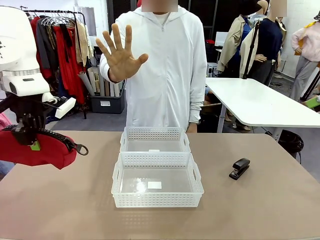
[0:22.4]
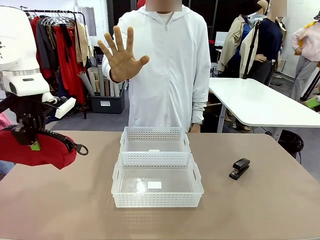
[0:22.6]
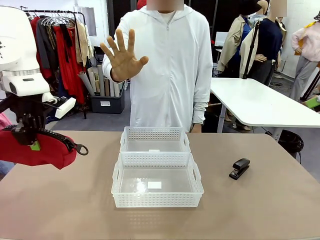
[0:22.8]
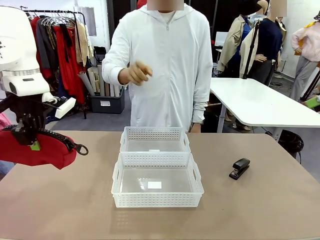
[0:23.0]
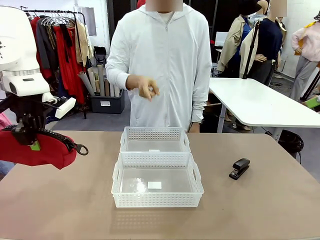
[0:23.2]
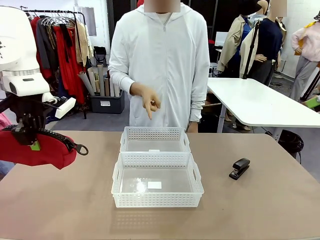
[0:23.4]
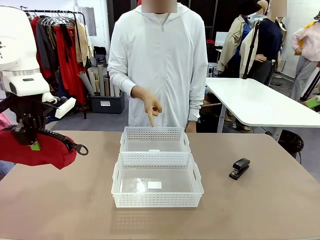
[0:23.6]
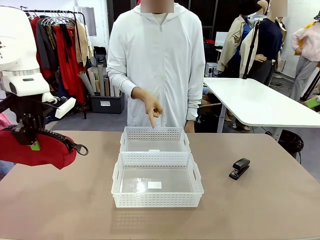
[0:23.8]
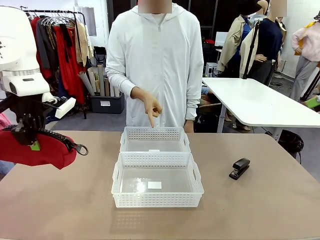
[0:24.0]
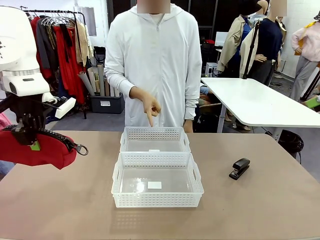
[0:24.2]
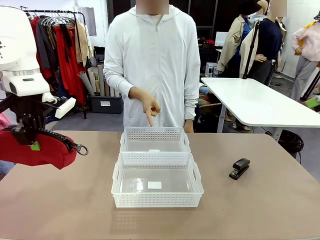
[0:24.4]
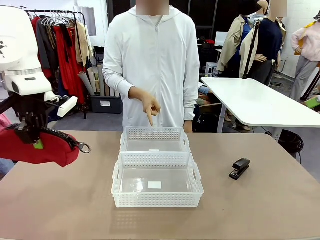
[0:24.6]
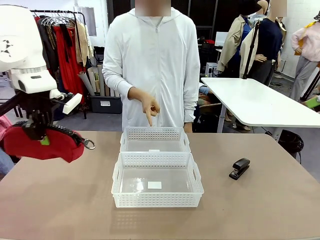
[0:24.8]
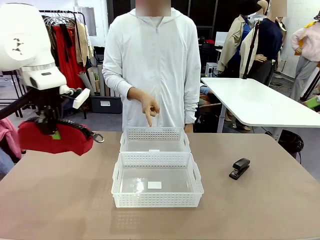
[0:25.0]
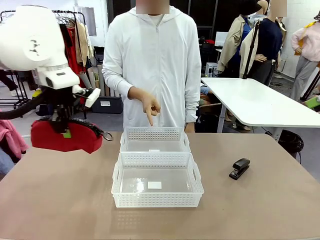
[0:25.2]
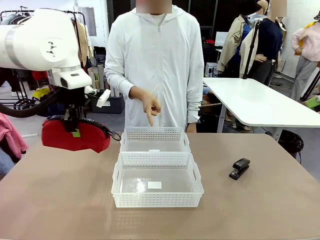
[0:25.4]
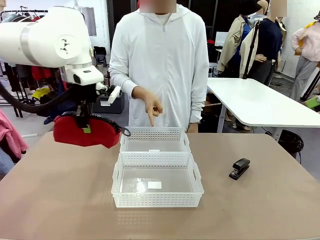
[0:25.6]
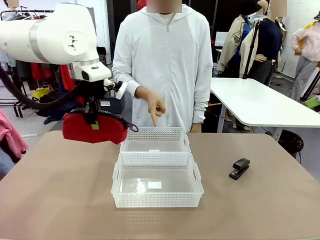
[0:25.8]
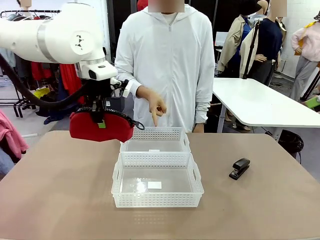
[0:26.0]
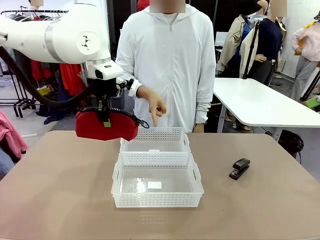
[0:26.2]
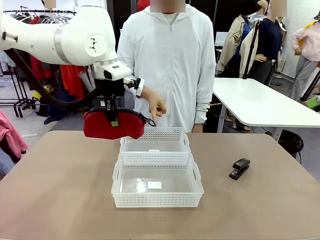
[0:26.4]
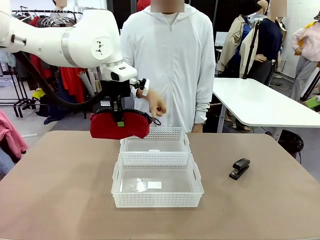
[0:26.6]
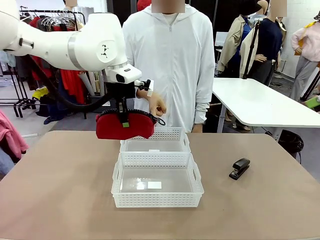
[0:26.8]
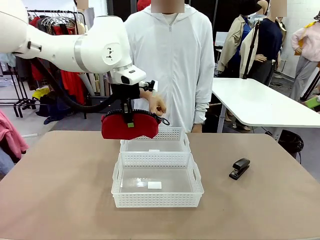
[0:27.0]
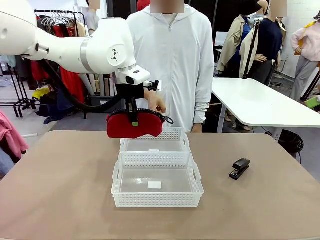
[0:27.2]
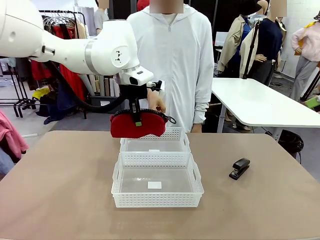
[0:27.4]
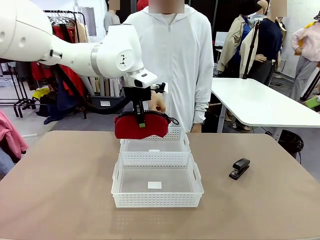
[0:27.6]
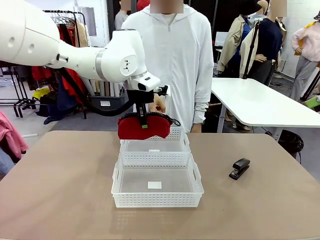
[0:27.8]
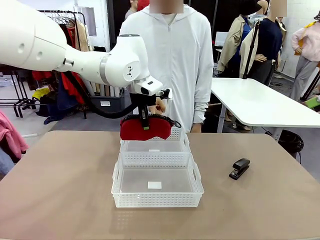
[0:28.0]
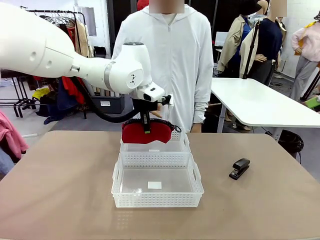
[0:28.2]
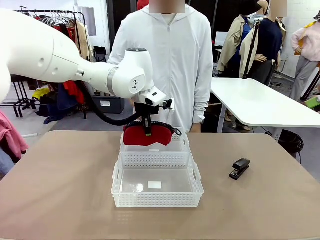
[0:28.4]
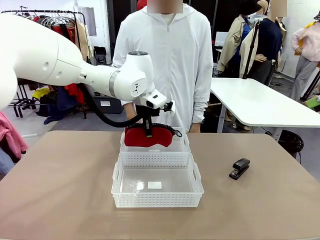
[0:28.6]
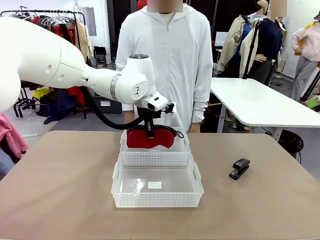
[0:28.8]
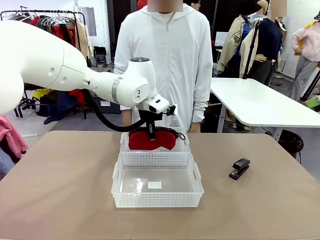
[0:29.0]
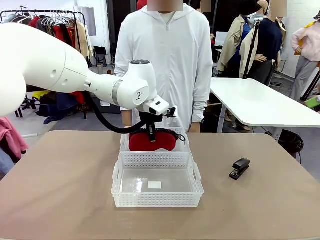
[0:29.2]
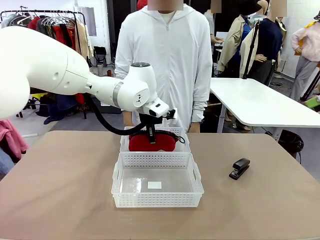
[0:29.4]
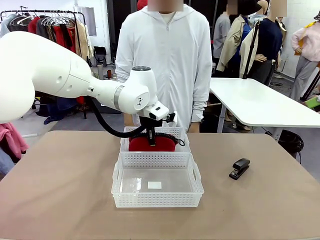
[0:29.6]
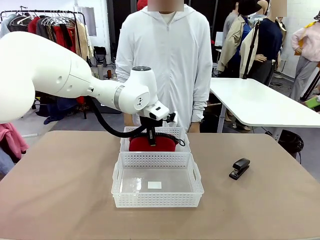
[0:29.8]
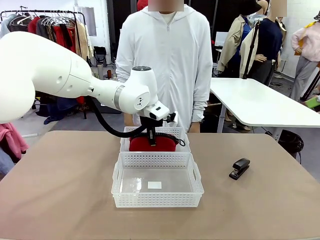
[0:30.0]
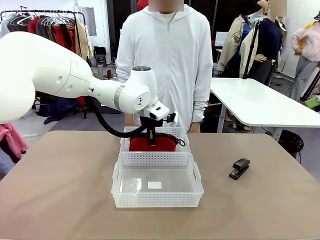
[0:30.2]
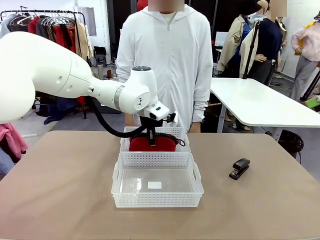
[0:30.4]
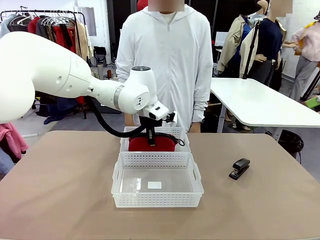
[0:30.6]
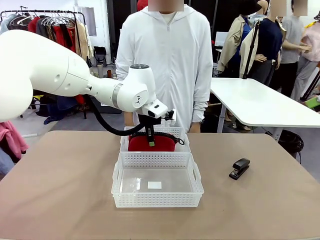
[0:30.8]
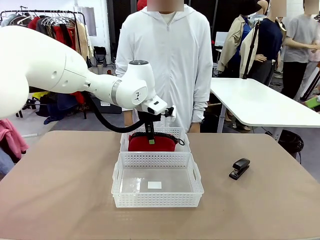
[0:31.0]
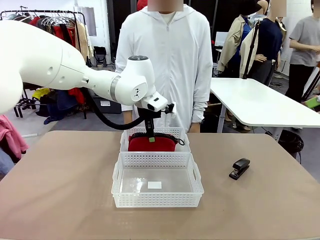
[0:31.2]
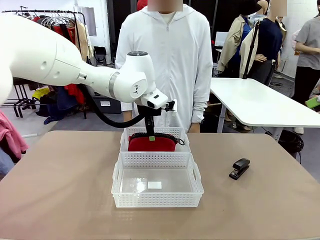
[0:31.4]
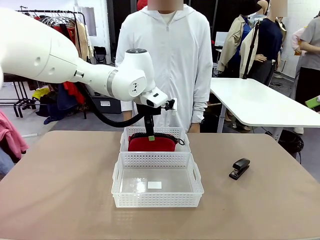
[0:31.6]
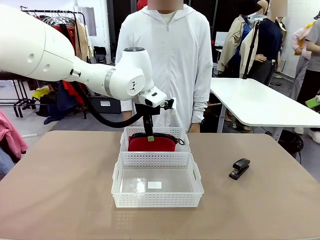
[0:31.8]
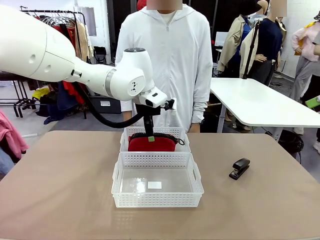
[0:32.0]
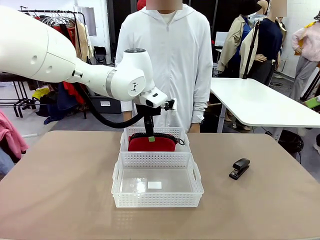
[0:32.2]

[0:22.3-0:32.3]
Task: Distribute items into two baskets.
Robot: Place the picked Pencil pouch into the Organizing basket as instructed by the person.
Person: Instructs the robot to place the pencil case into the opposite basket. Points to the stapler.

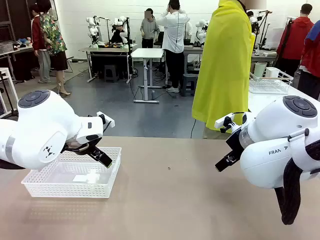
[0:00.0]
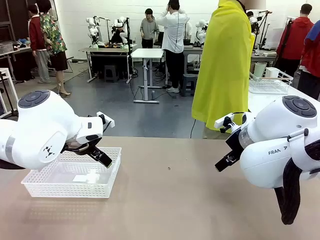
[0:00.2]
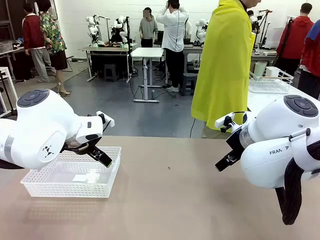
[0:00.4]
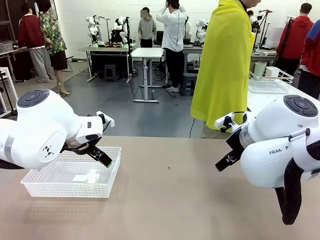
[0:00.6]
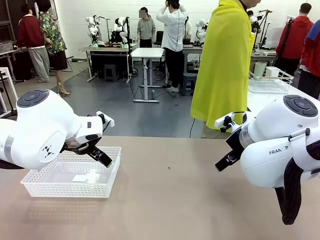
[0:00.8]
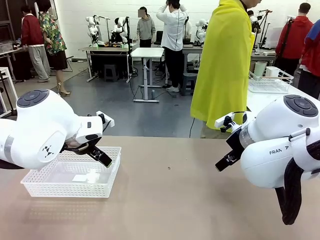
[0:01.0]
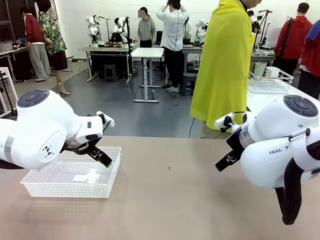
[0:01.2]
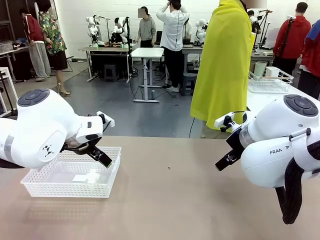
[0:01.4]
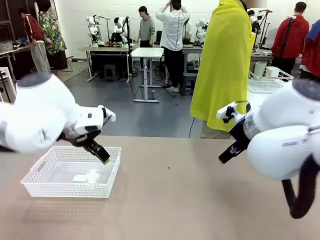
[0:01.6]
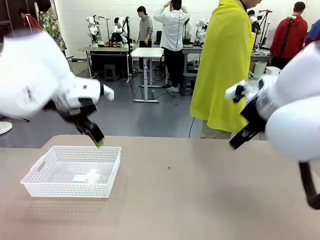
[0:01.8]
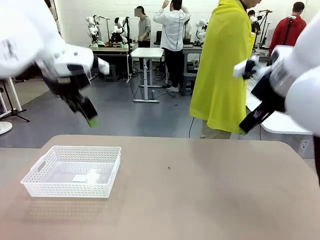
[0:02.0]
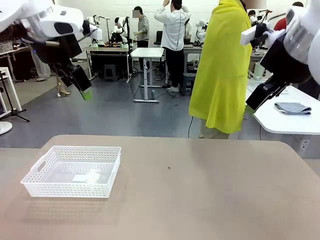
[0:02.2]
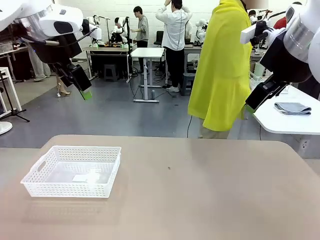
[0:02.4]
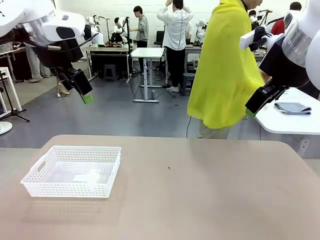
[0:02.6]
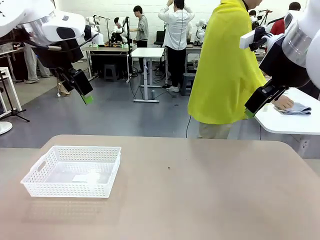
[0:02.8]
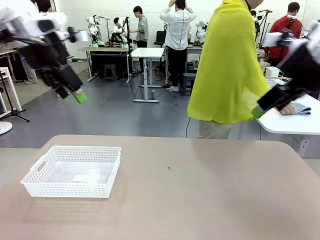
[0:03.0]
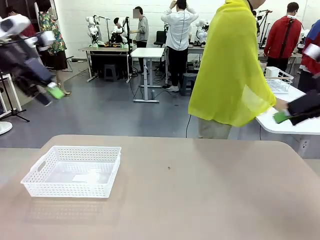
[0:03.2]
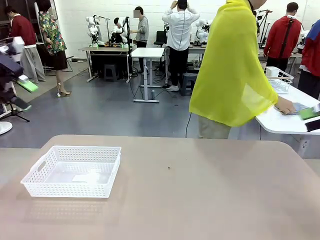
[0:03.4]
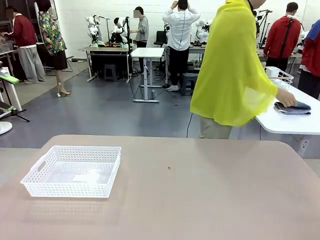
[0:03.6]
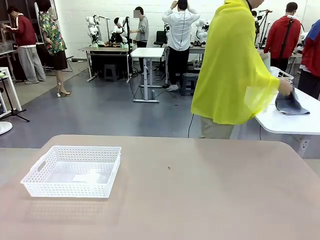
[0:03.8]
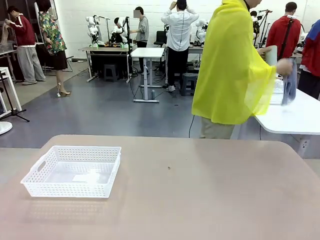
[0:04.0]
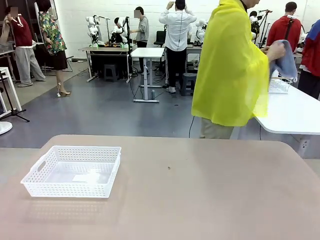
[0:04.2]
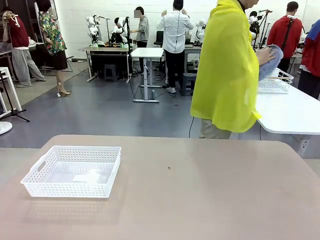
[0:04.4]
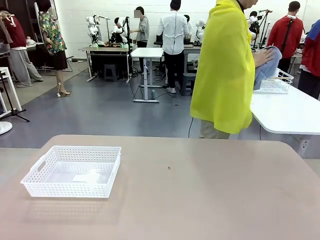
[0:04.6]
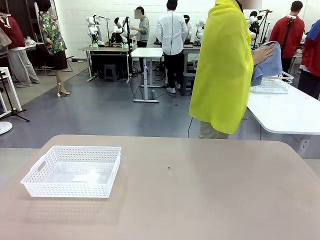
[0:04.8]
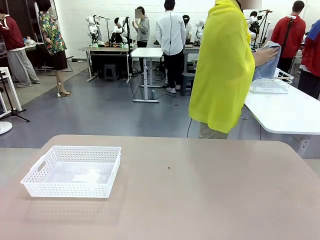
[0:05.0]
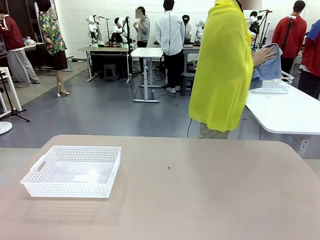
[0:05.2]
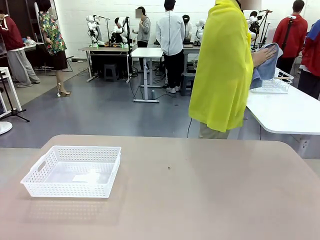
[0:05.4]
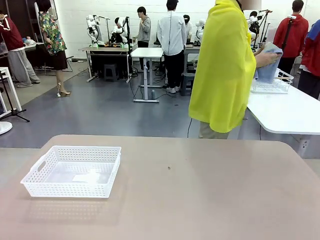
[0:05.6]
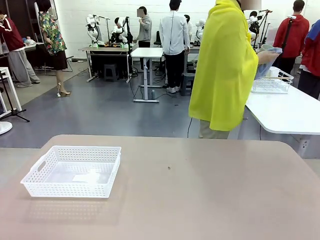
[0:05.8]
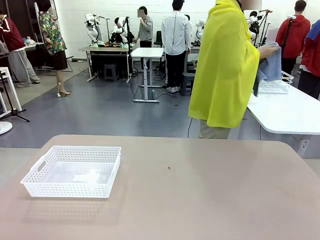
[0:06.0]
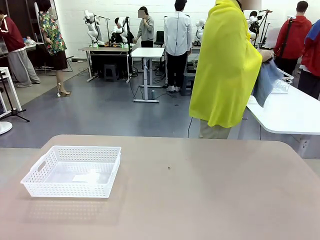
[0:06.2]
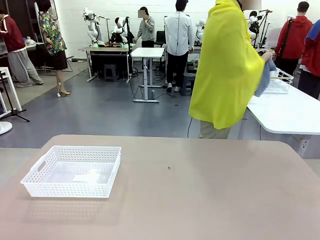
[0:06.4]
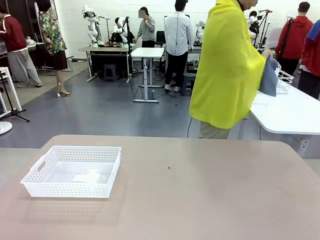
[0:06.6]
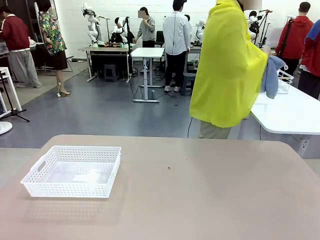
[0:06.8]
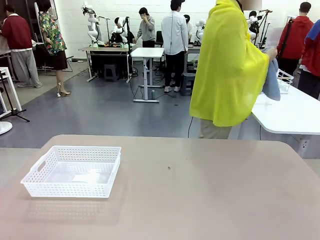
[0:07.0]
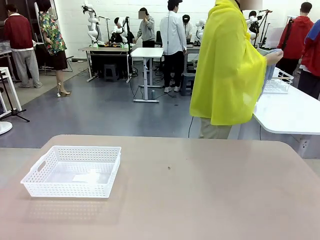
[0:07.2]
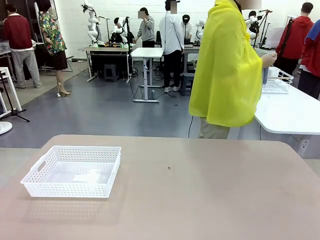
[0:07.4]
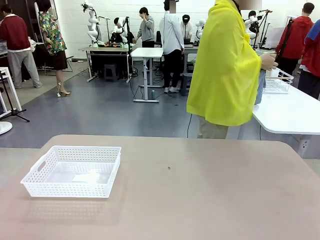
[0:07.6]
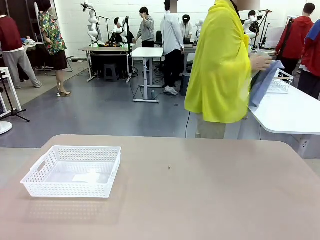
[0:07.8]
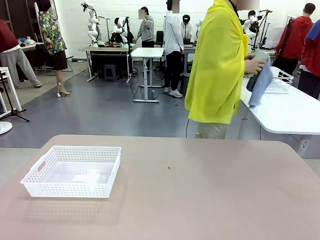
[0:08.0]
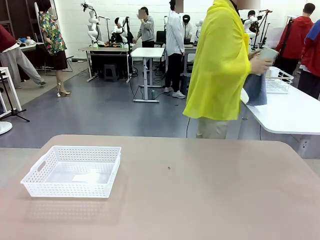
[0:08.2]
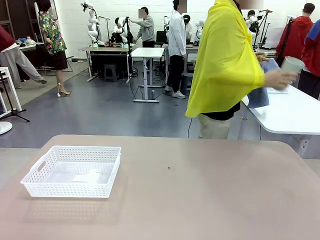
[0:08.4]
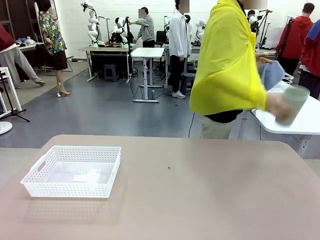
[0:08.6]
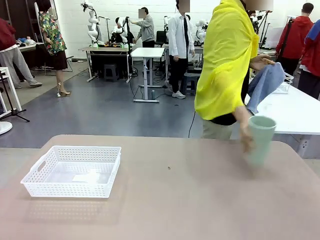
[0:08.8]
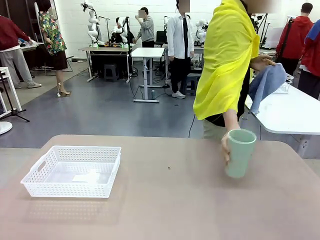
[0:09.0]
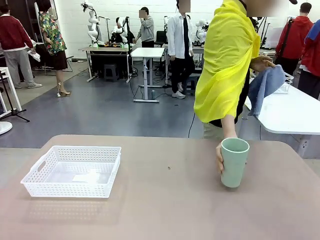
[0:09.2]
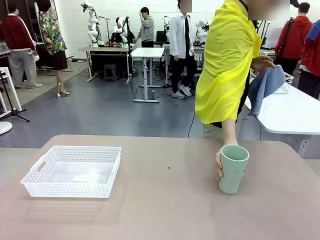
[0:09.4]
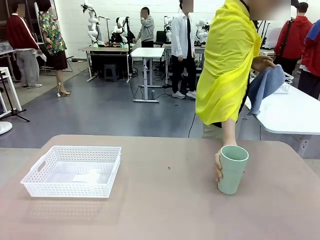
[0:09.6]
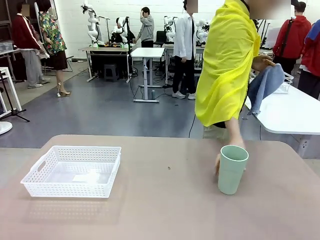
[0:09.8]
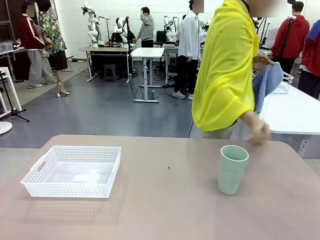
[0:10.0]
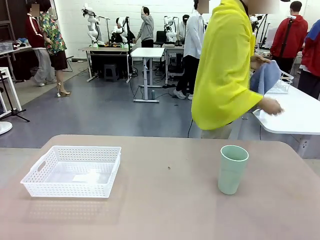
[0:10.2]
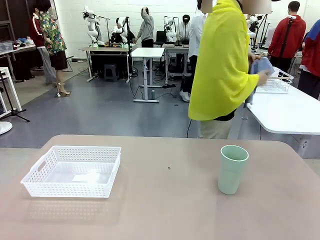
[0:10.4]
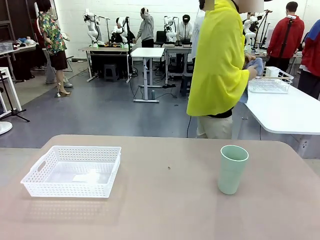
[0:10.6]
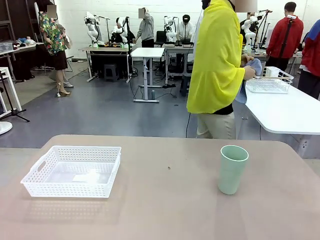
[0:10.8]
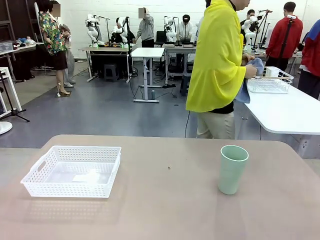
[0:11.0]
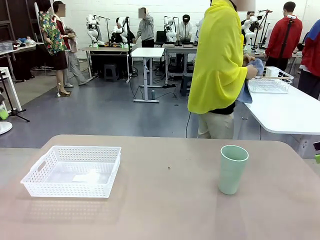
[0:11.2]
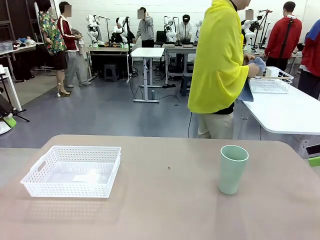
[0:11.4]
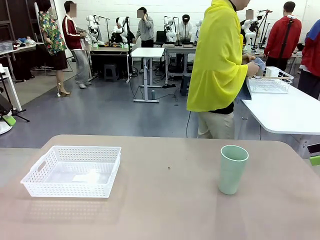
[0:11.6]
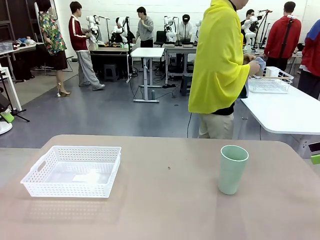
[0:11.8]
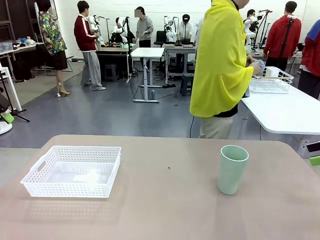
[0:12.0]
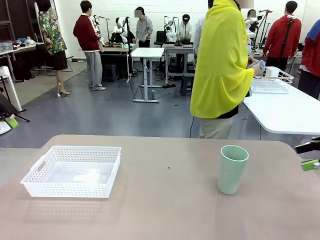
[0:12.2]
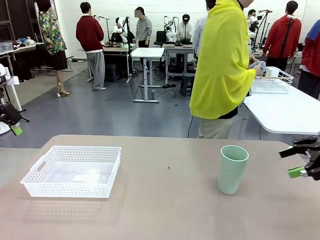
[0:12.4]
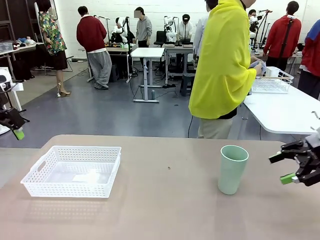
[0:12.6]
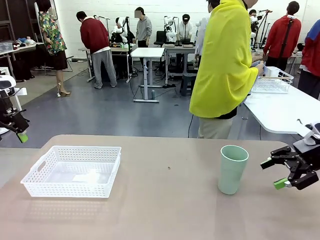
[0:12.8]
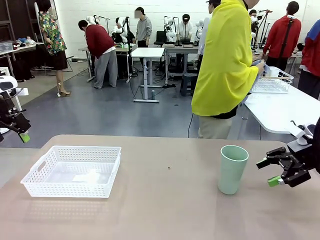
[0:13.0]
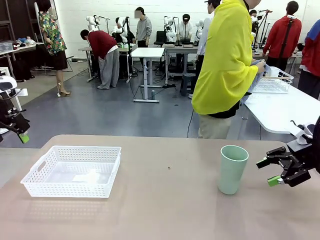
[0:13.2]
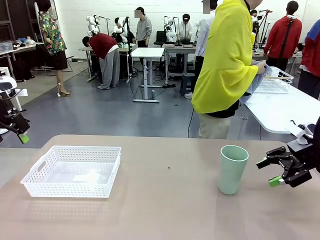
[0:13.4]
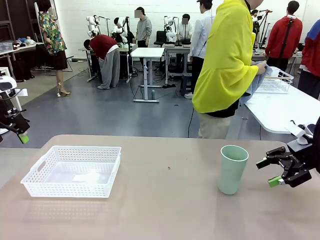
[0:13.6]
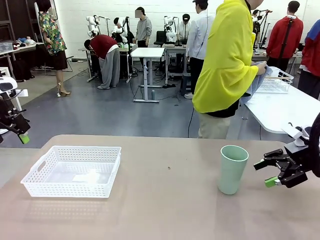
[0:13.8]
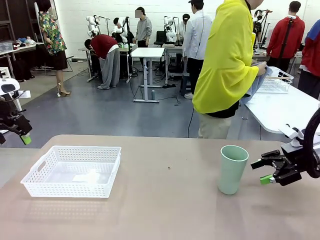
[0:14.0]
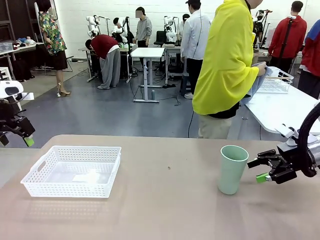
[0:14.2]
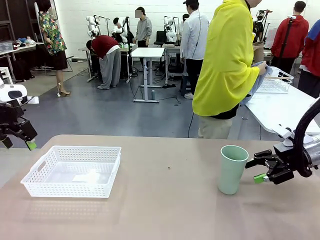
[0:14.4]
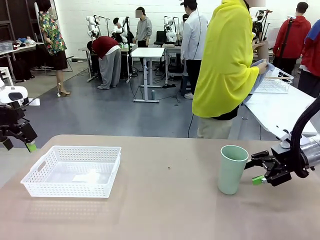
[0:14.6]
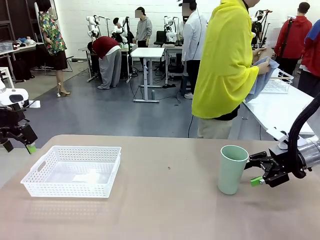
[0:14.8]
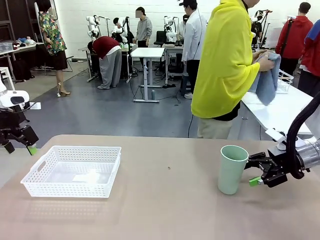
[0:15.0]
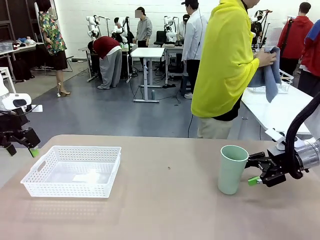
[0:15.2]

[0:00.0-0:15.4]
Task: Clean and organize the cups into the basket.
Robot: Pick up the Organizing basket and move it to the center of the table, then pick up the Reusable plastic cup from the right side of the table and place it inside the Organizing basket.
Person: Picks up a cup and a towel, cleans the cup with the towel, and places it on the left side of the robot table.
